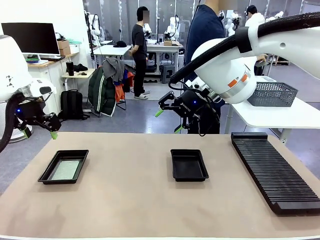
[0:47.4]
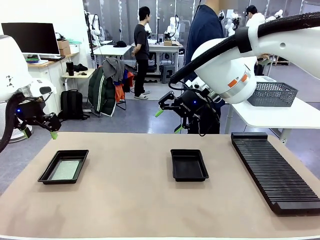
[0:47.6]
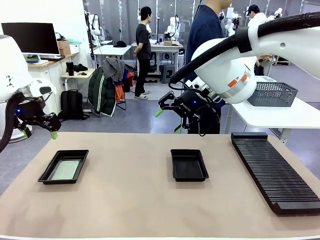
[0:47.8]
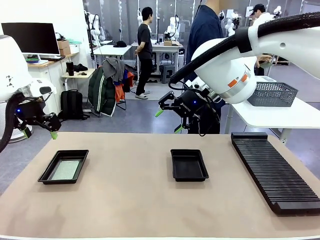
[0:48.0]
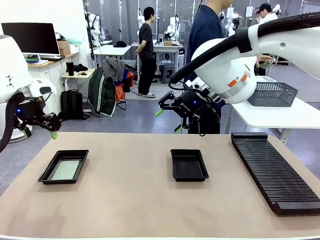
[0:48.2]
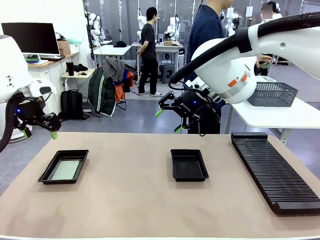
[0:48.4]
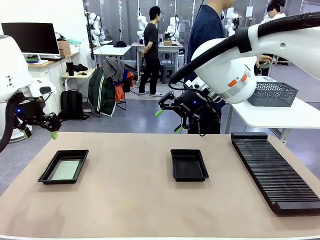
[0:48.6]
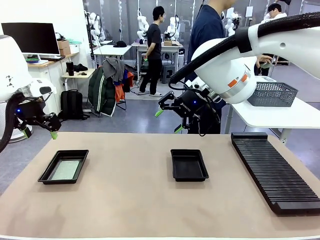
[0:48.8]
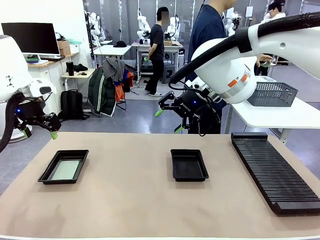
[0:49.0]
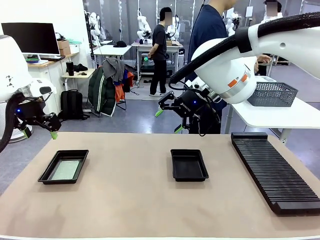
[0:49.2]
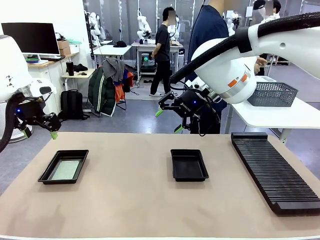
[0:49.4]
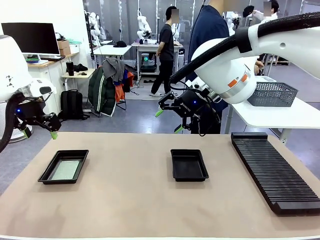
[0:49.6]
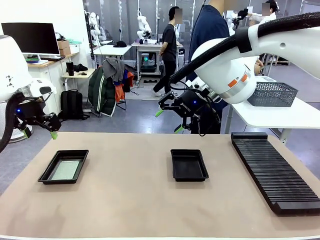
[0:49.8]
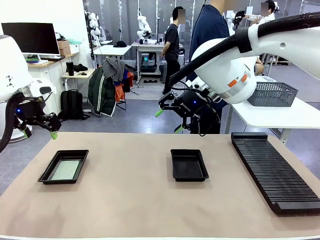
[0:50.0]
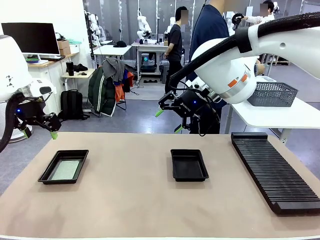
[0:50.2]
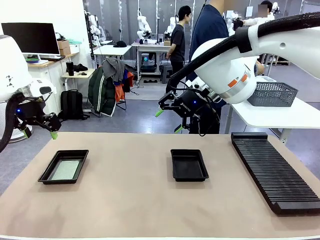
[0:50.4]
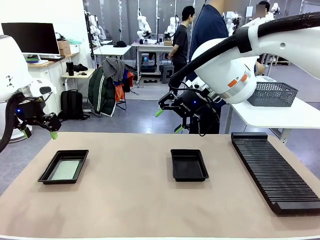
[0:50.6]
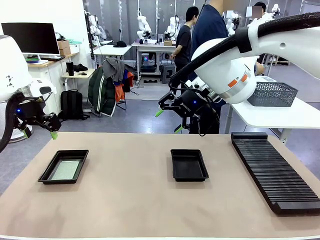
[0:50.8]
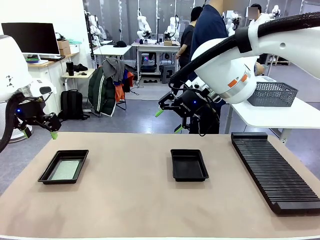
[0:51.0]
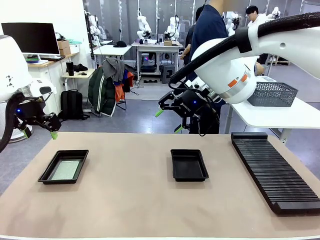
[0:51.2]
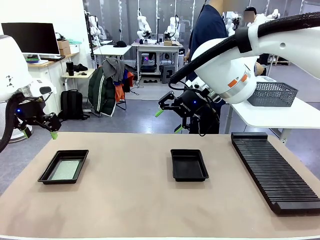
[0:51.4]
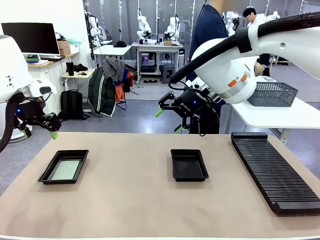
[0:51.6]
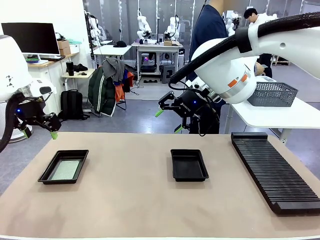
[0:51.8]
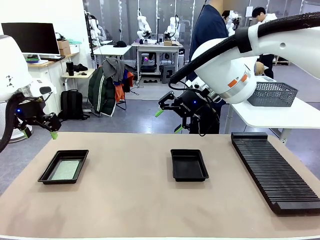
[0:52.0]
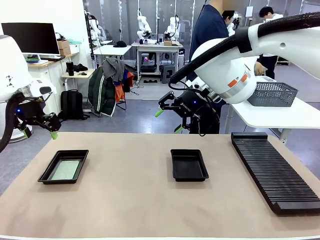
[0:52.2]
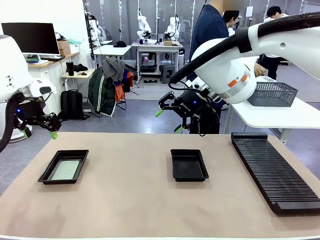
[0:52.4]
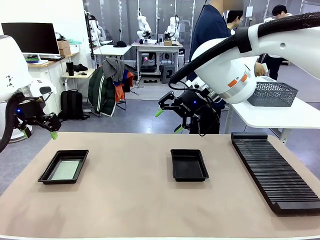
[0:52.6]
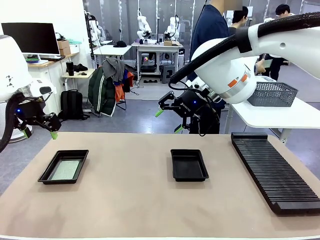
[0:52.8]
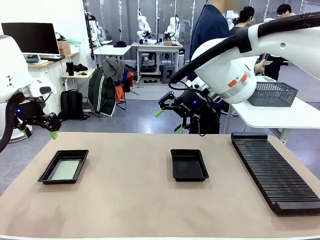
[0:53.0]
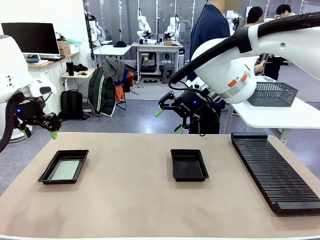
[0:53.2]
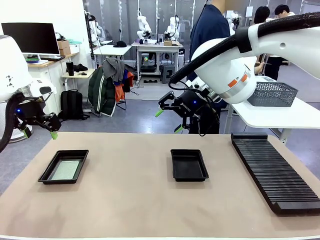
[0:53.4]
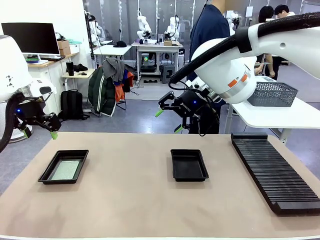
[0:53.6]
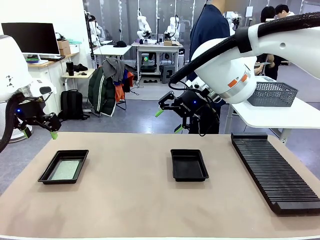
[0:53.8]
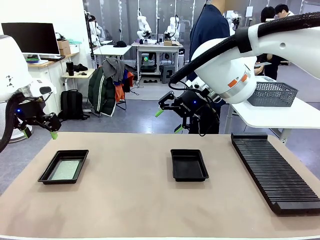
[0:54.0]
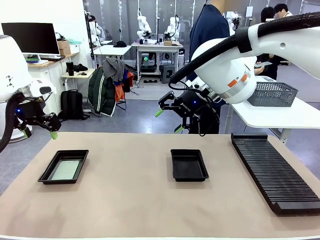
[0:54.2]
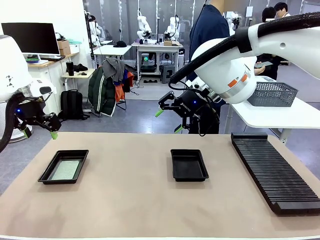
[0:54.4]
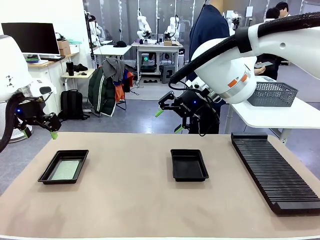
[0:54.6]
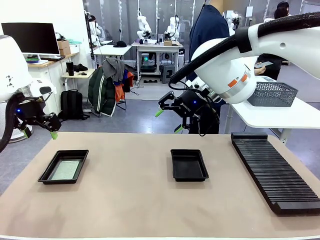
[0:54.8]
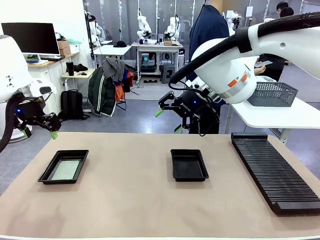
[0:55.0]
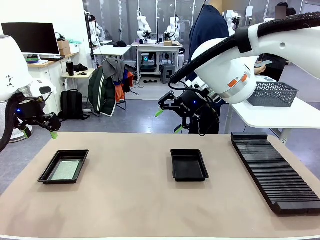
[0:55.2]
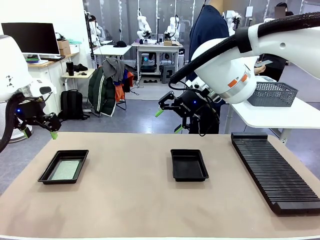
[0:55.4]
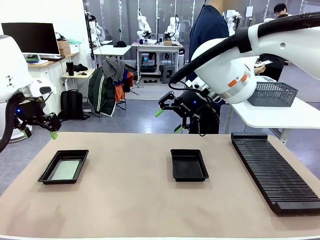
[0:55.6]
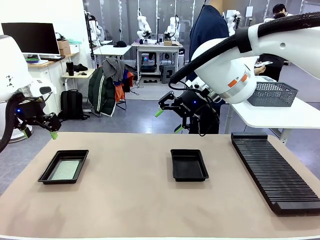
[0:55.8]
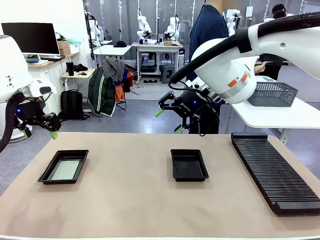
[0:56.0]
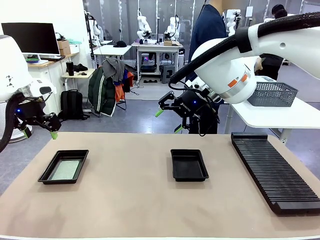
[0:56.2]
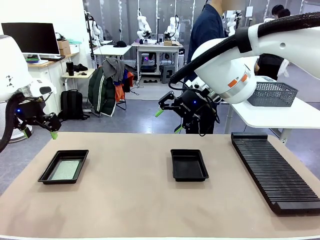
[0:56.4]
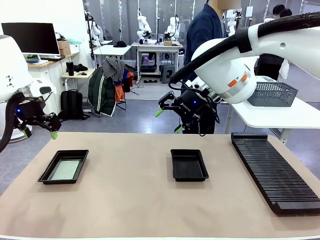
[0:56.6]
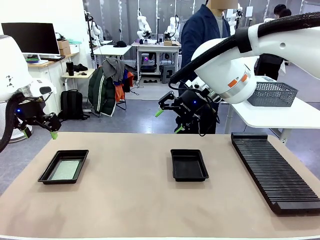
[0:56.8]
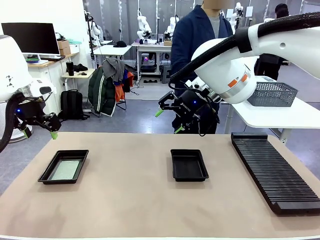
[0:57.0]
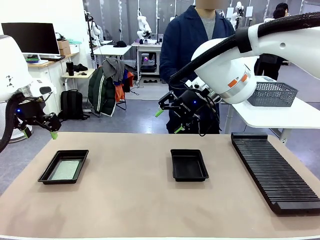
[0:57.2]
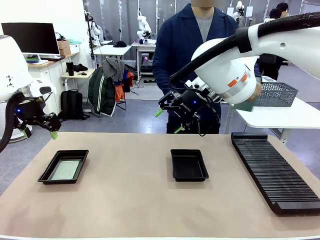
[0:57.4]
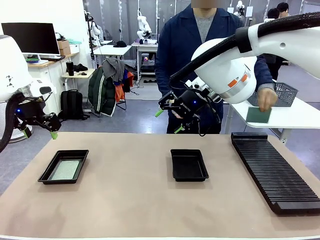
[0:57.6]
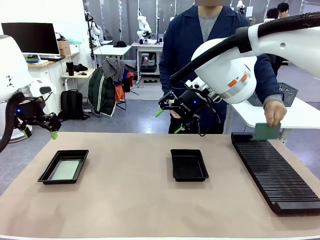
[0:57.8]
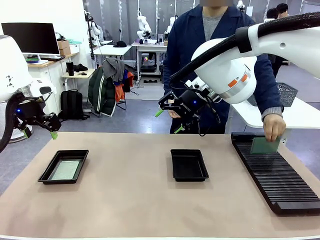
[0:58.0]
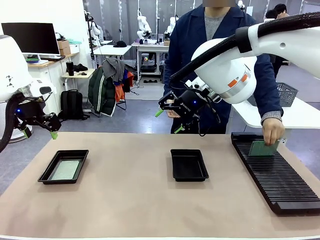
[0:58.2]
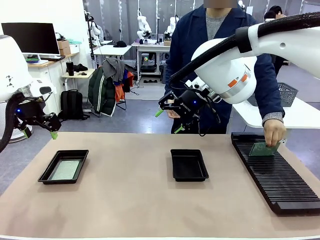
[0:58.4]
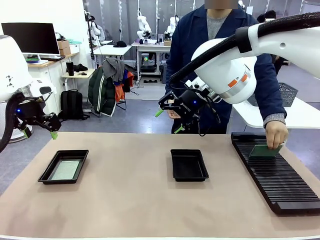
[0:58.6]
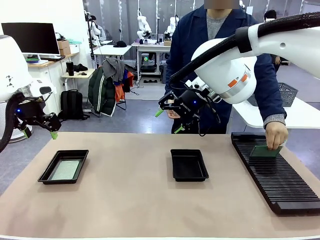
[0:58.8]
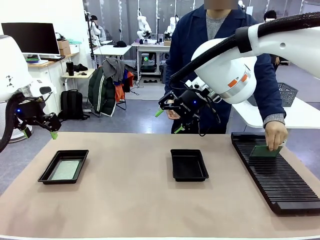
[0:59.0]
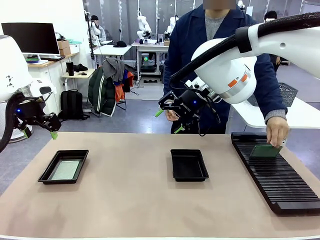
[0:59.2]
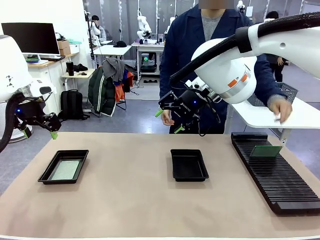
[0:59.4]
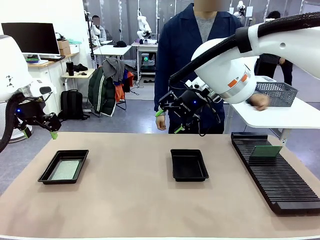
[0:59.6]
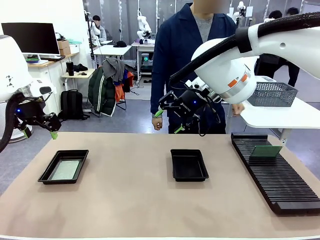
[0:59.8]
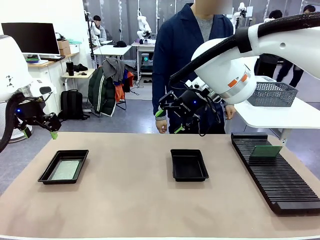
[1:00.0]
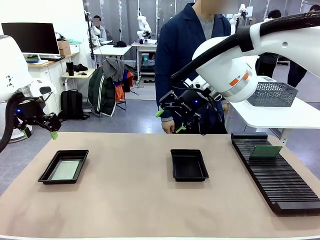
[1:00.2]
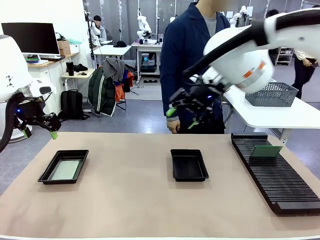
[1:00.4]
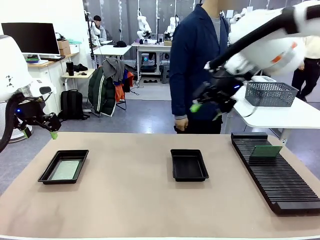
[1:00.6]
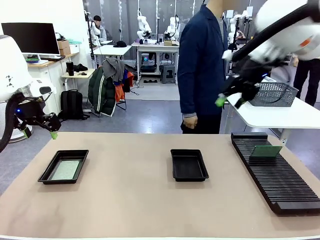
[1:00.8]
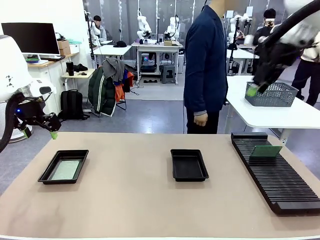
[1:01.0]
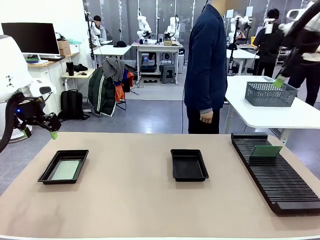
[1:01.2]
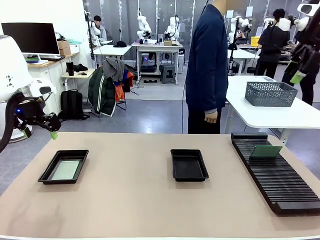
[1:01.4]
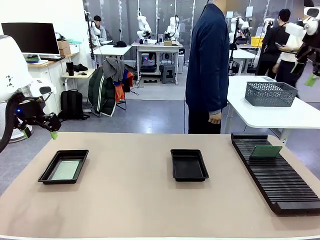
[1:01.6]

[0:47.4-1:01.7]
Task: Inspect and transfer BCBs to ESD trays.
Robot: Pick up the Blank PCB from the PCB Rack and place it in the right ESD tray.
